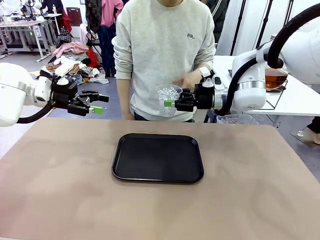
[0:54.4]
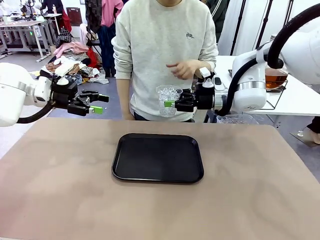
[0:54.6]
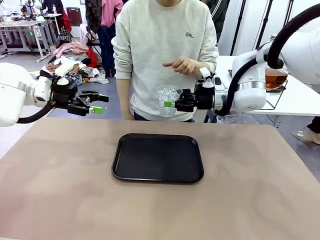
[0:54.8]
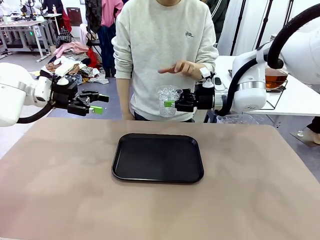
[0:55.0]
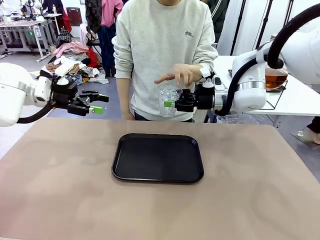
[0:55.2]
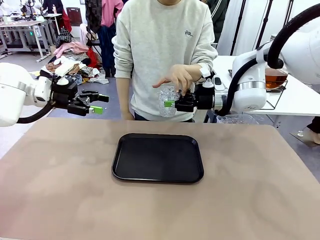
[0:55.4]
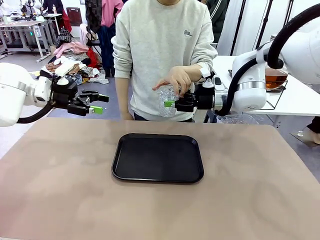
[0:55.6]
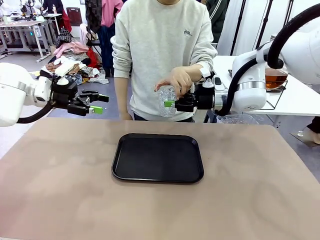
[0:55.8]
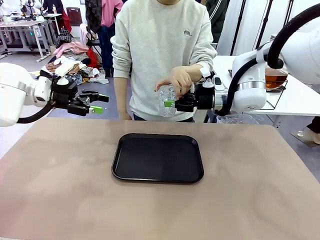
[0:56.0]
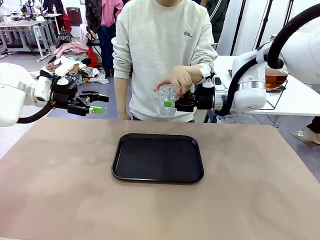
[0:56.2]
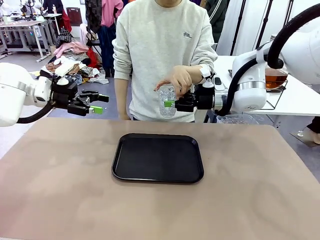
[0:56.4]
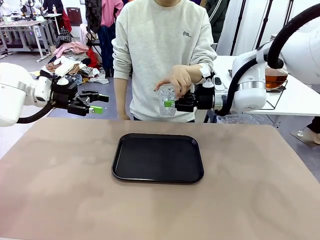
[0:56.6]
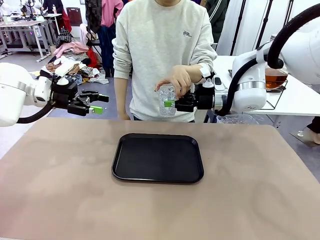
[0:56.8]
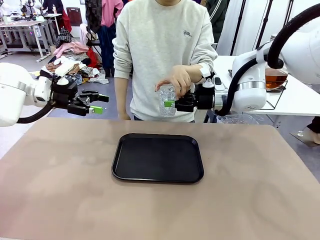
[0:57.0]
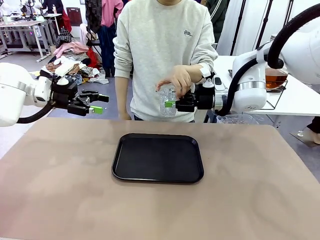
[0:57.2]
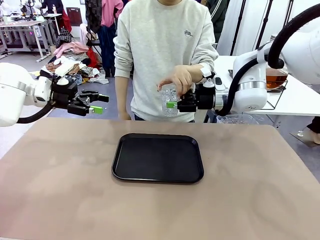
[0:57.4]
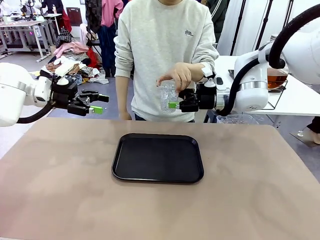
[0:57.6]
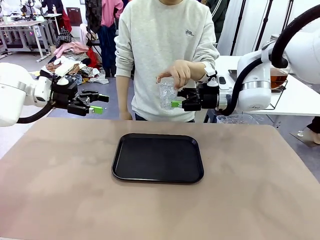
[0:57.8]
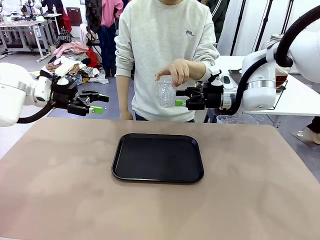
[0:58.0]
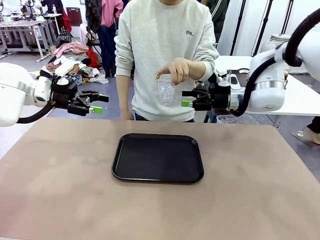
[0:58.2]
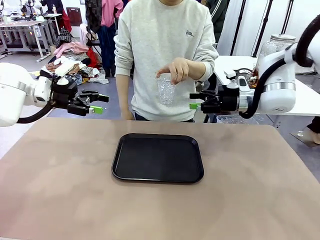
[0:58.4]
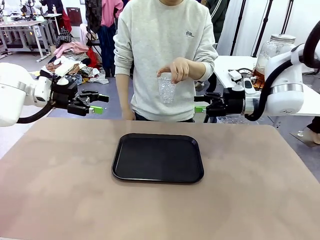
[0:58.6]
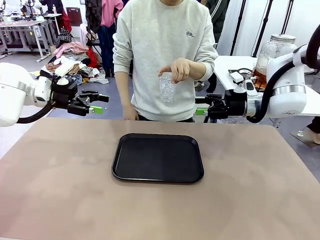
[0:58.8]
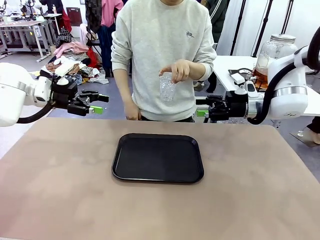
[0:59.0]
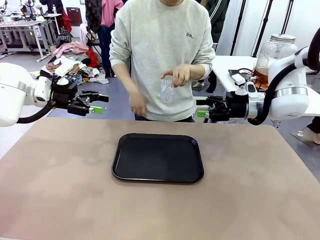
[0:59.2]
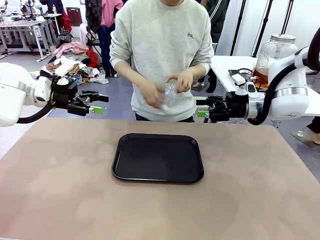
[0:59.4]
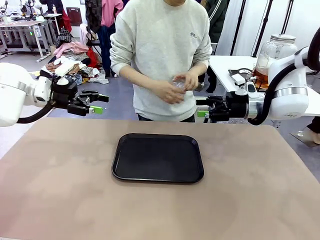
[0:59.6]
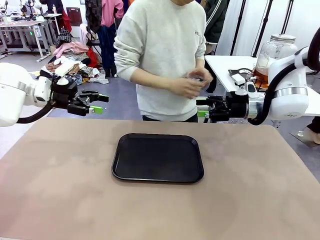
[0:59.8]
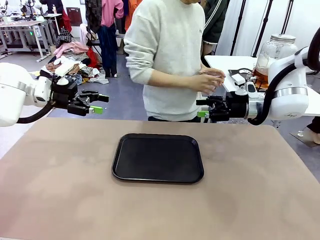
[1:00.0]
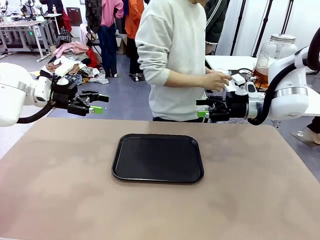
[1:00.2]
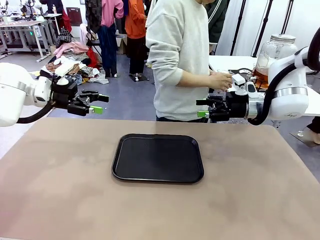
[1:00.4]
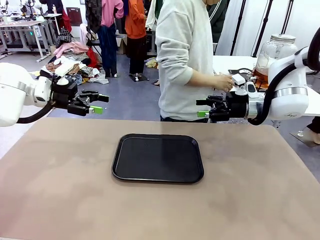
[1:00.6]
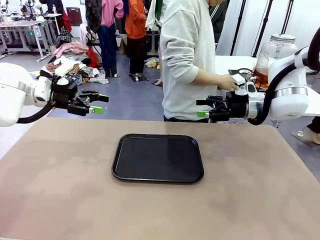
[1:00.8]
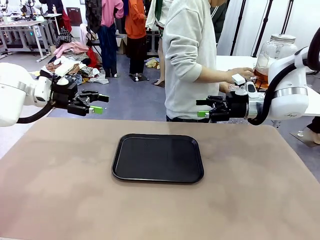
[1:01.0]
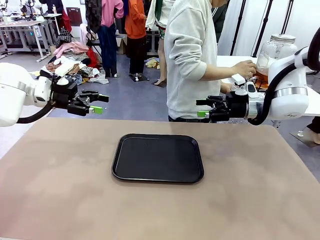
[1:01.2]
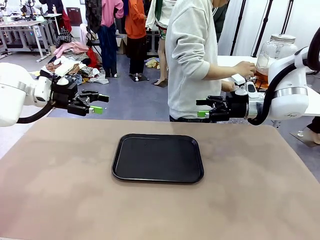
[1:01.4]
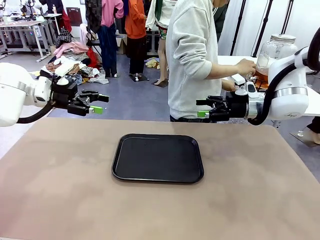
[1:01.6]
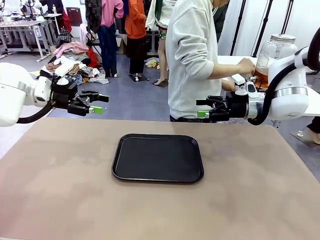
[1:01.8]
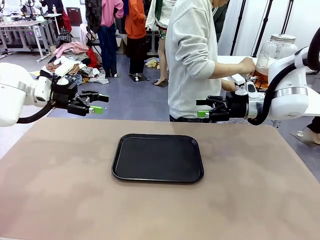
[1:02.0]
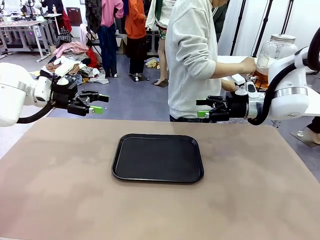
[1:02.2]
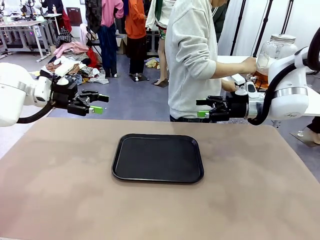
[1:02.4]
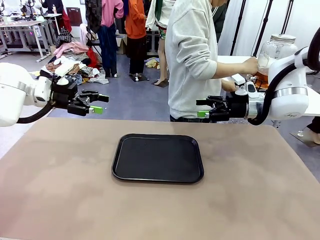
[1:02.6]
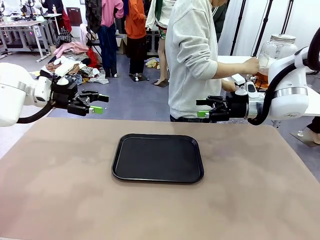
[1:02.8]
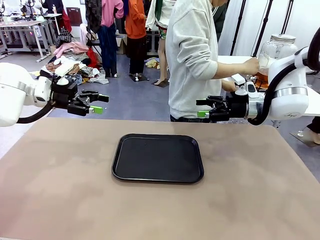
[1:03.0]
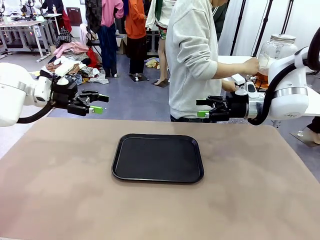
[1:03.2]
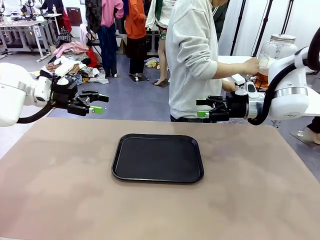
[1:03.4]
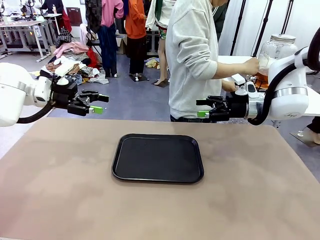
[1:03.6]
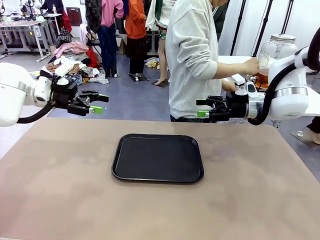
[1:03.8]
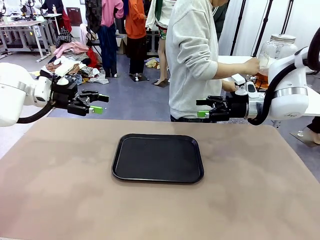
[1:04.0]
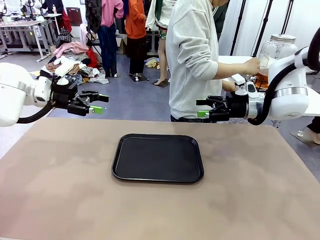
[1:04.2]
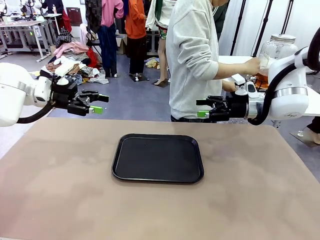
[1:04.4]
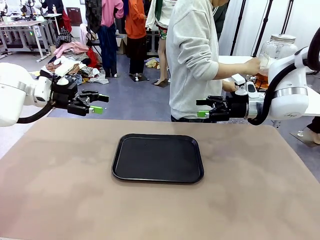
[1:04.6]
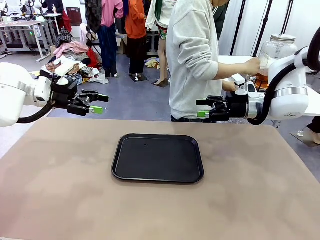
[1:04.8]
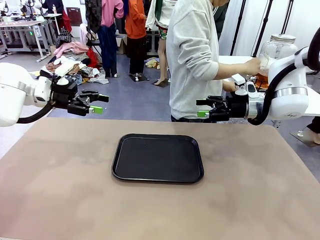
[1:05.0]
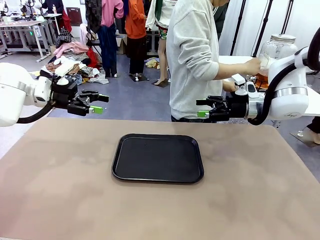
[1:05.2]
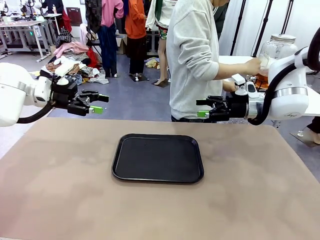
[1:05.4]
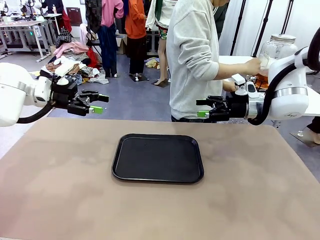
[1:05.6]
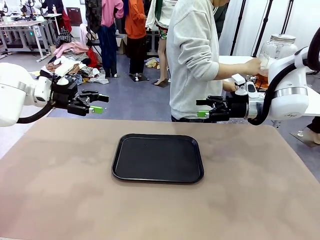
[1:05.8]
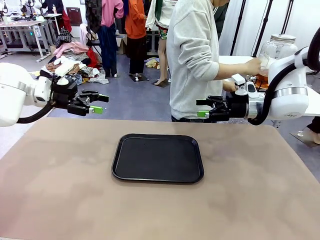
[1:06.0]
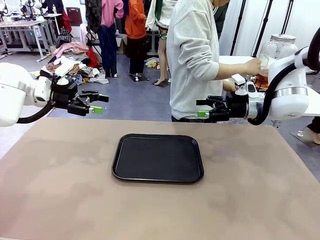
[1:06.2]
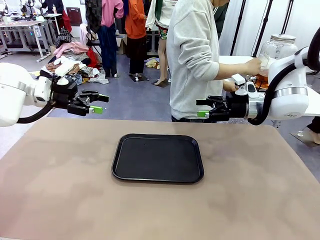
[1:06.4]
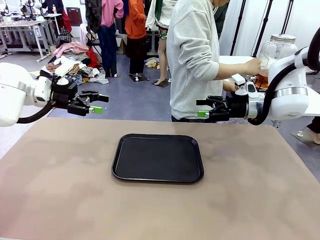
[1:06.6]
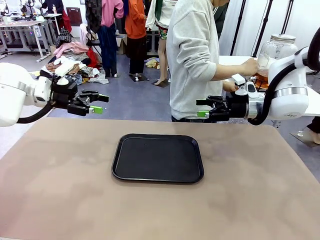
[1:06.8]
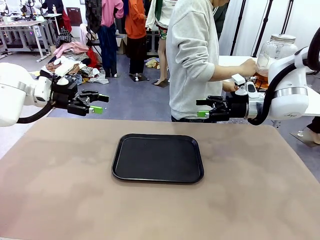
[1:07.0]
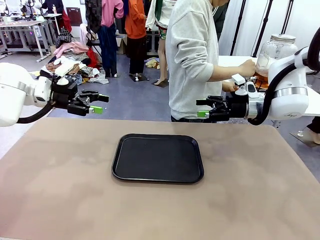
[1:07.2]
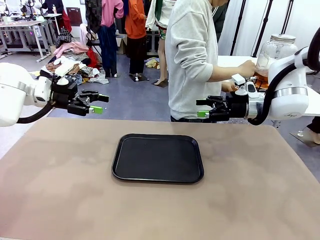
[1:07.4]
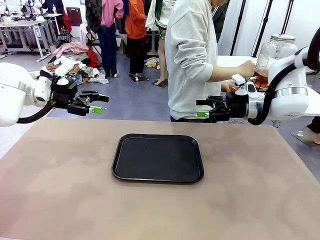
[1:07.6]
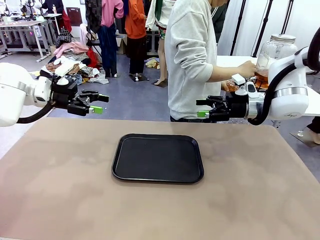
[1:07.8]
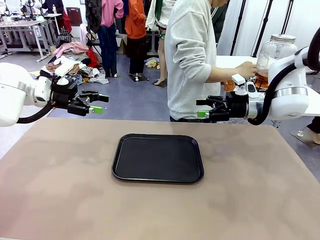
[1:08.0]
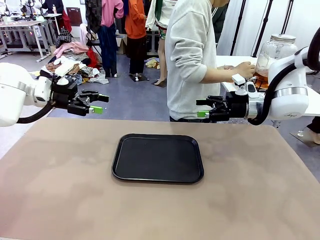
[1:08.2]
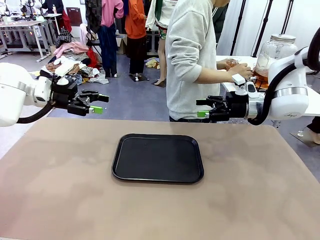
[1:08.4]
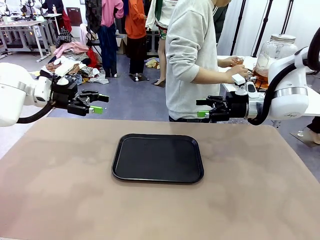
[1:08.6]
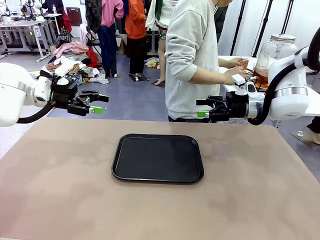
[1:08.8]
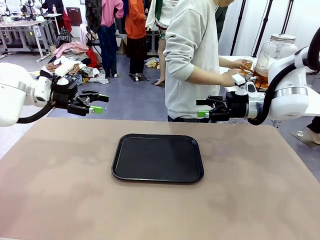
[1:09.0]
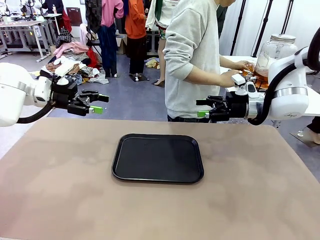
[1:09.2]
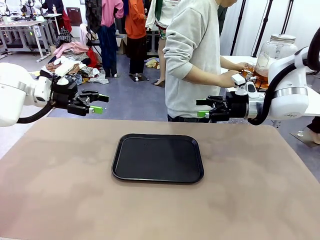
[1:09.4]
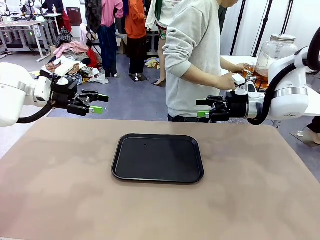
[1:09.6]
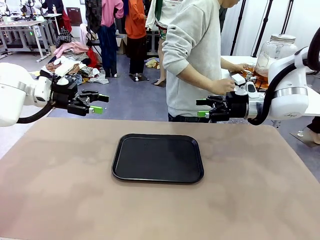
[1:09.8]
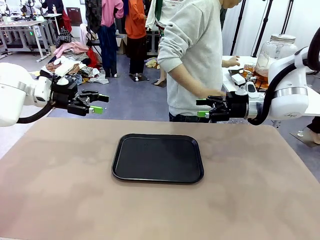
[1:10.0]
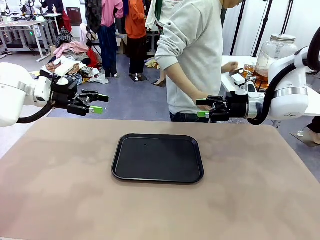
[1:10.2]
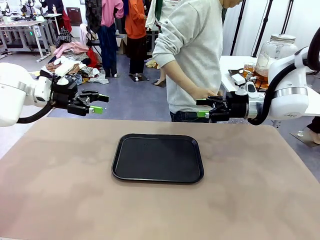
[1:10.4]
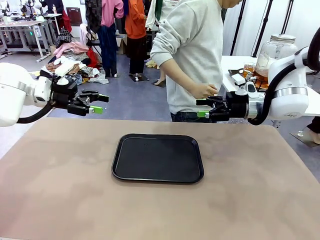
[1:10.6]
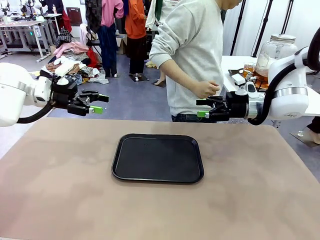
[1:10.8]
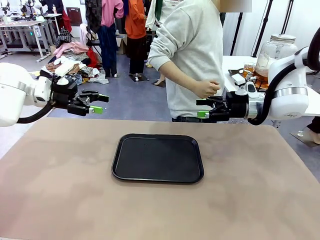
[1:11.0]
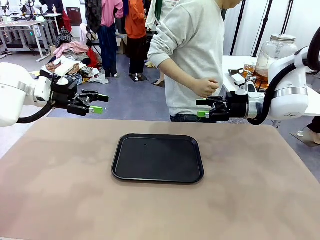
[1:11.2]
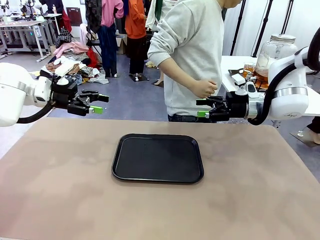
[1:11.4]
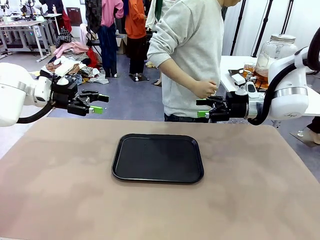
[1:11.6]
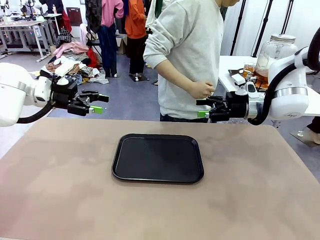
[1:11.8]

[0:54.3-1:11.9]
Task: Pour the drink into the iced cup.
Robot: Open the gripper to release the iced cup you were holding.
Person: Move the picked-up cup under the dispenser faucet, pour the drink, and place it on the tray on the human table.

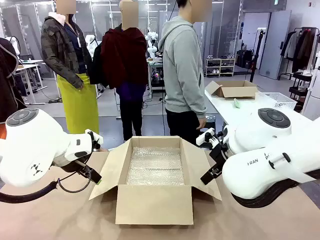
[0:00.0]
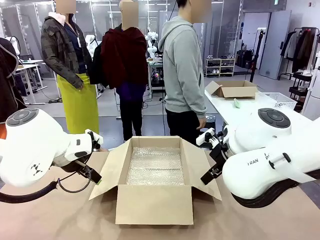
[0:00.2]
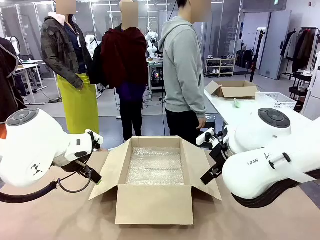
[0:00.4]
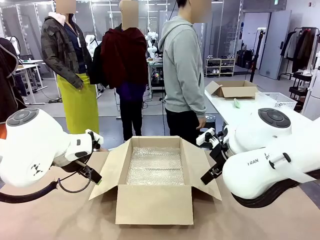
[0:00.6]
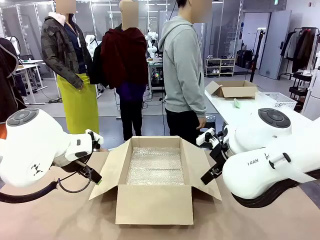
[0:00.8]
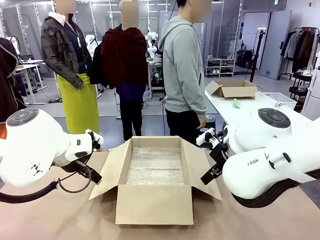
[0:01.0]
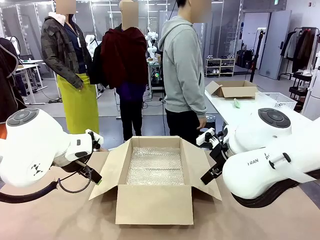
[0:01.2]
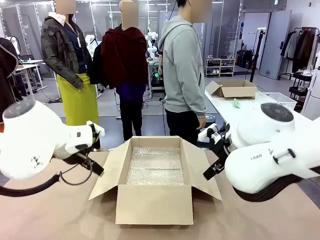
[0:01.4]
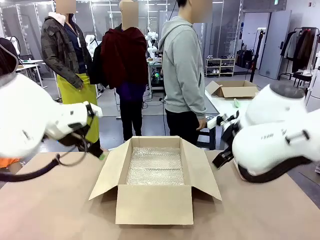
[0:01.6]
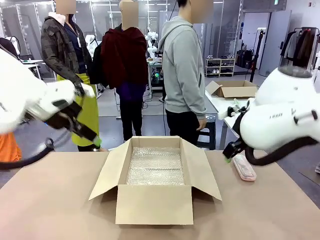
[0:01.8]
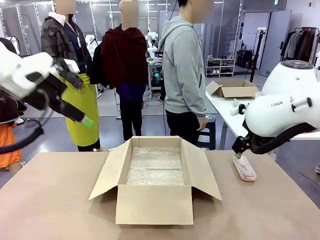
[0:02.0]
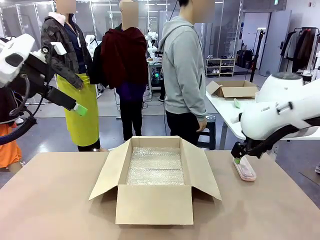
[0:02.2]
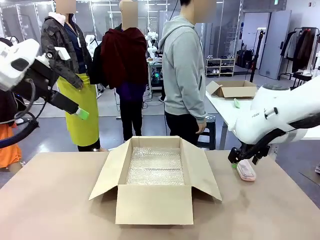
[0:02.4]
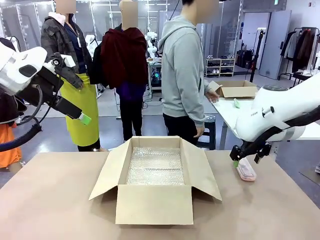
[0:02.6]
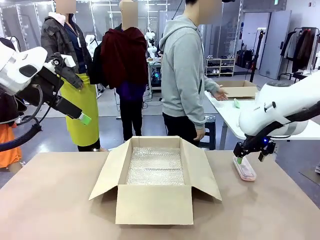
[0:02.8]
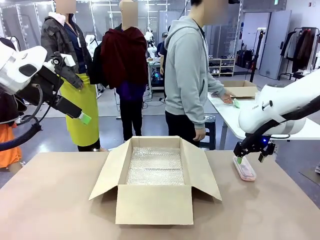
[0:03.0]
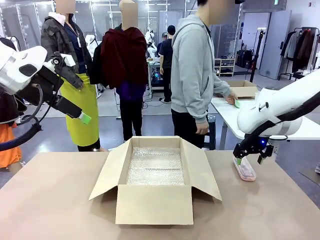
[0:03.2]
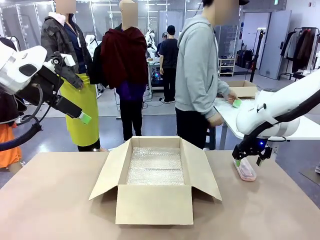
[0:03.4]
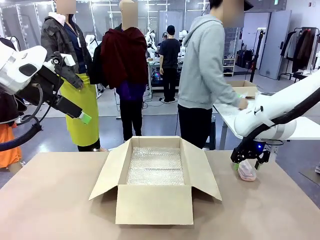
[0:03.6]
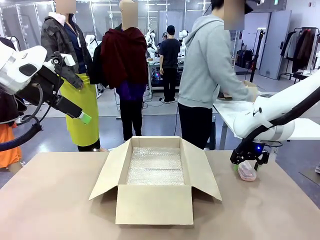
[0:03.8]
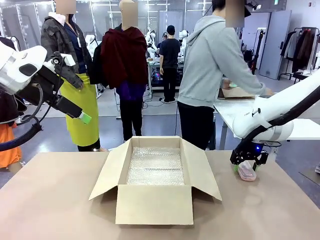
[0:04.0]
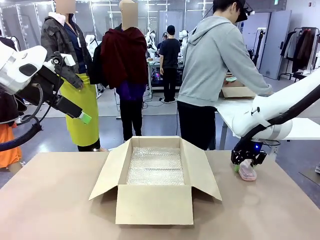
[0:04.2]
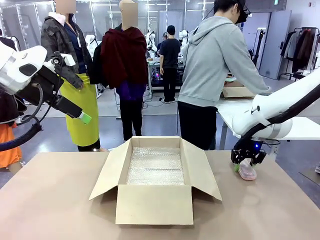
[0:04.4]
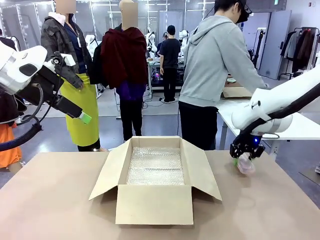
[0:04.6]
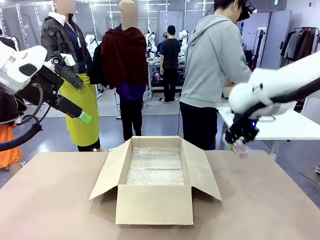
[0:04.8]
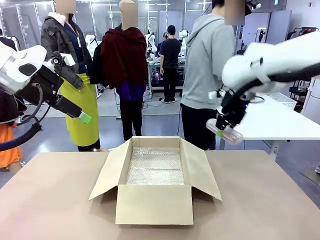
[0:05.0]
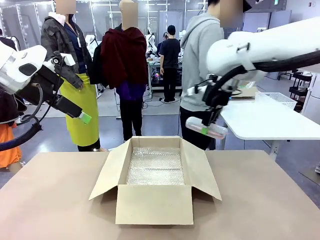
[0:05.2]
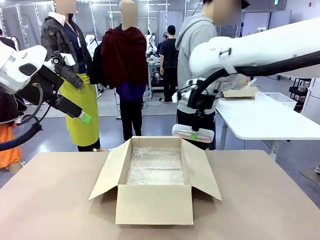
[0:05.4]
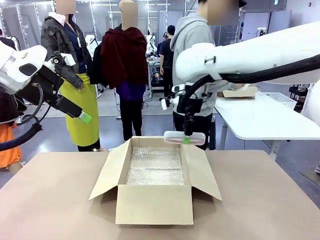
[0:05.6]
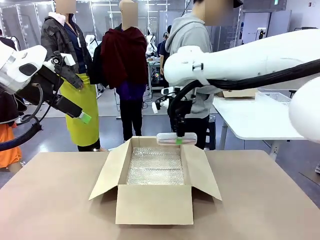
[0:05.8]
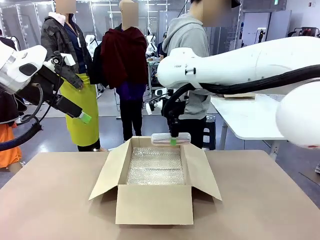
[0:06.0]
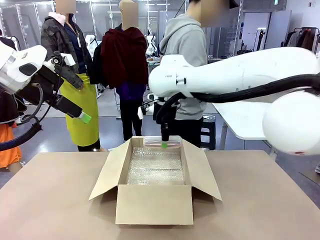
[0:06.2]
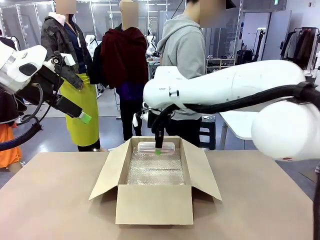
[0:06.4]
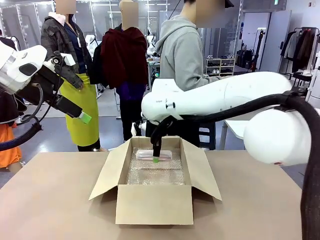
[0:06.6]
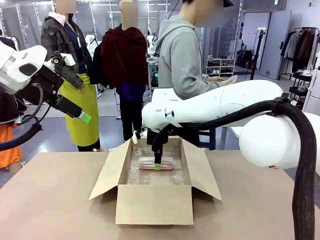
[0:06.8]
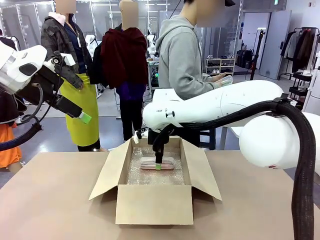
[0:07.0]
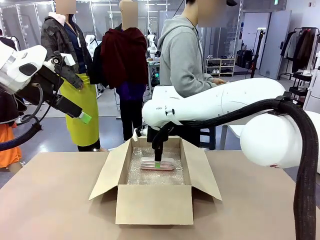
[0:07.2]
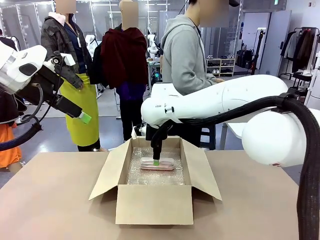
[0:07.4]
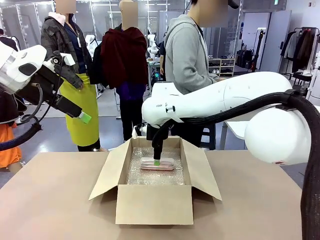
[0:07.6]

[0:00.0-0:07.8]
Task: Pack the glasses set securely to prepare it for shipping.
Robot: Place the Glasses case inside the Package Box.
Person: Place the Glasses inside the Glasses case.
